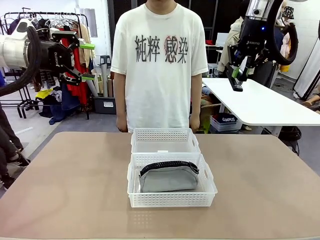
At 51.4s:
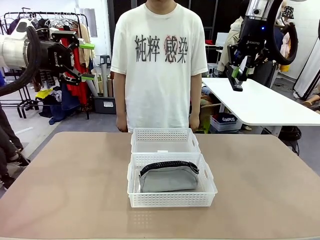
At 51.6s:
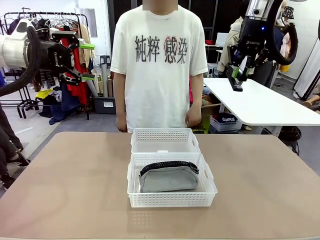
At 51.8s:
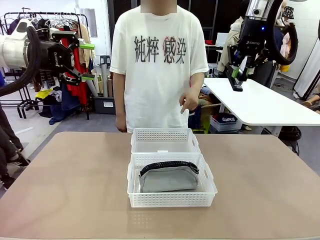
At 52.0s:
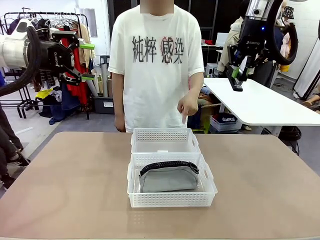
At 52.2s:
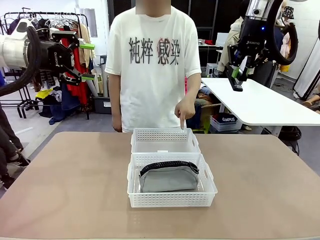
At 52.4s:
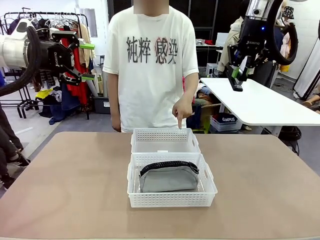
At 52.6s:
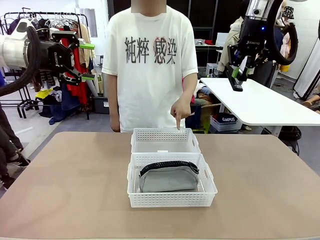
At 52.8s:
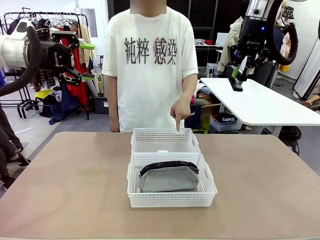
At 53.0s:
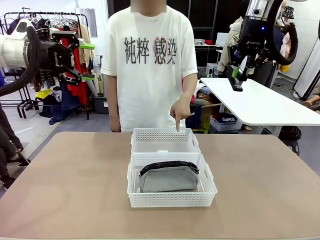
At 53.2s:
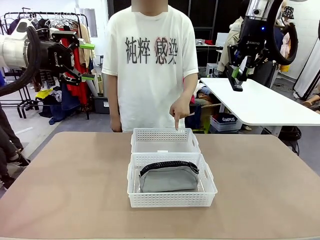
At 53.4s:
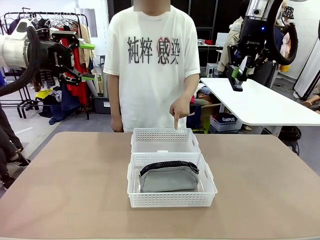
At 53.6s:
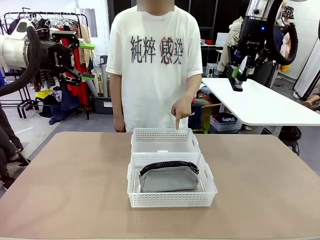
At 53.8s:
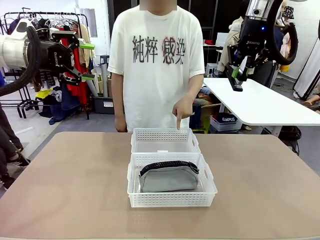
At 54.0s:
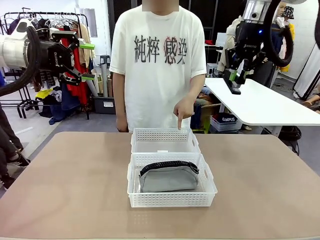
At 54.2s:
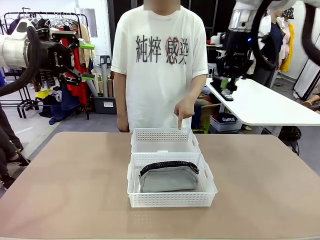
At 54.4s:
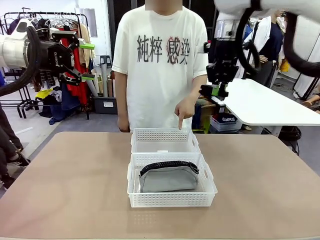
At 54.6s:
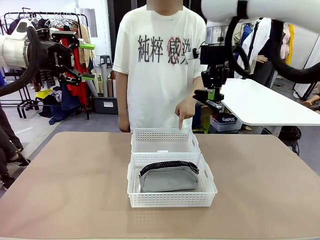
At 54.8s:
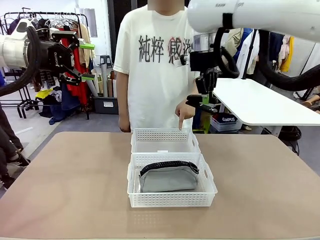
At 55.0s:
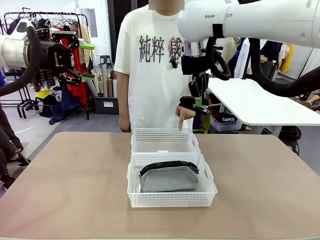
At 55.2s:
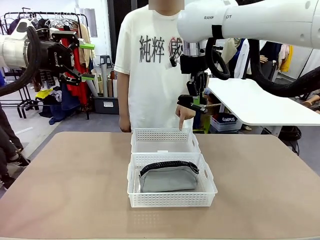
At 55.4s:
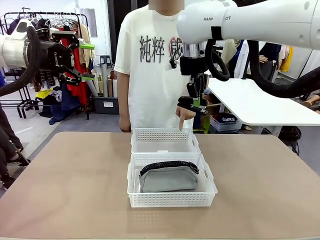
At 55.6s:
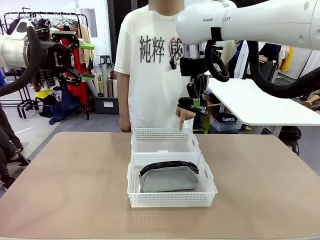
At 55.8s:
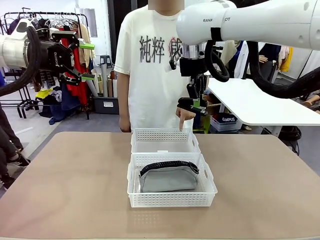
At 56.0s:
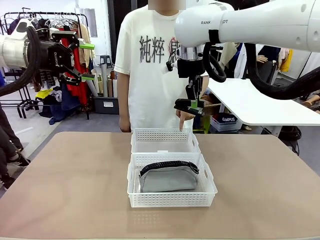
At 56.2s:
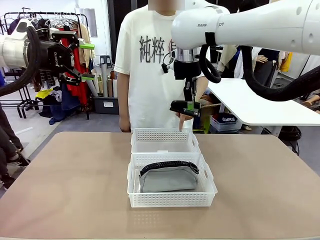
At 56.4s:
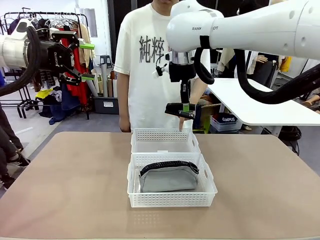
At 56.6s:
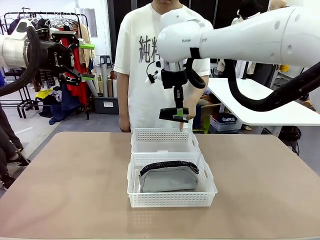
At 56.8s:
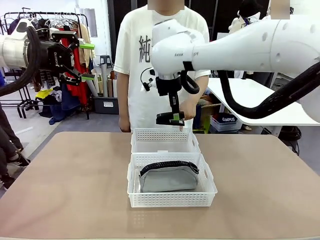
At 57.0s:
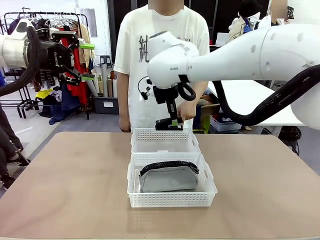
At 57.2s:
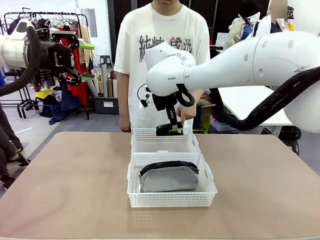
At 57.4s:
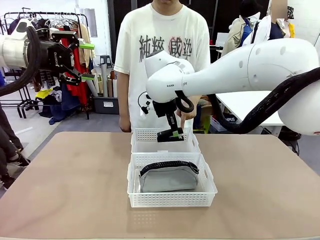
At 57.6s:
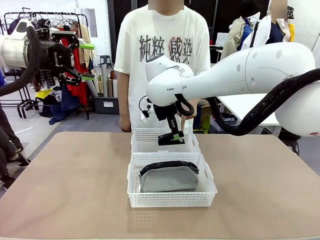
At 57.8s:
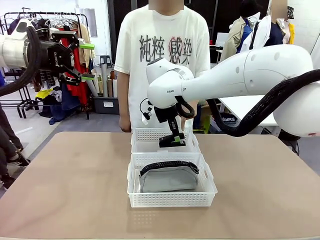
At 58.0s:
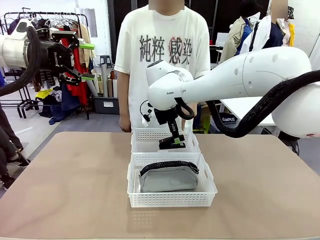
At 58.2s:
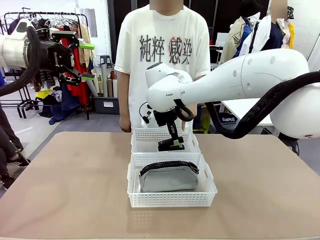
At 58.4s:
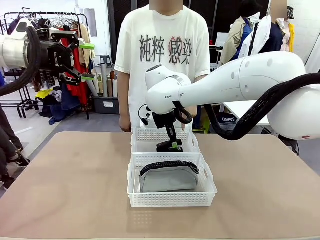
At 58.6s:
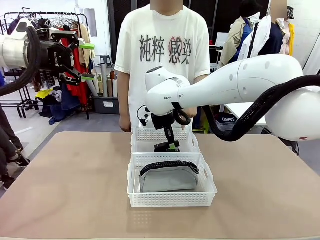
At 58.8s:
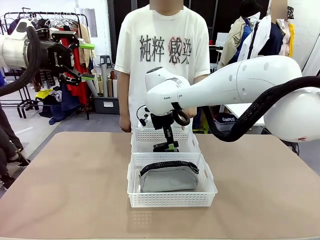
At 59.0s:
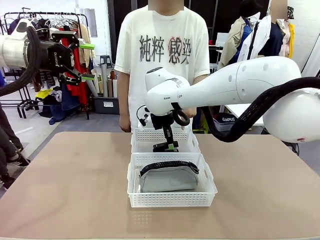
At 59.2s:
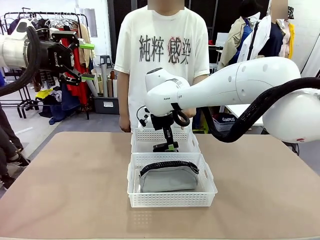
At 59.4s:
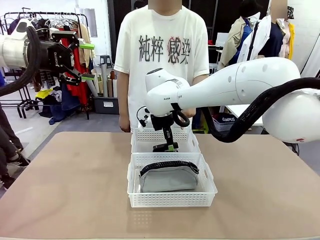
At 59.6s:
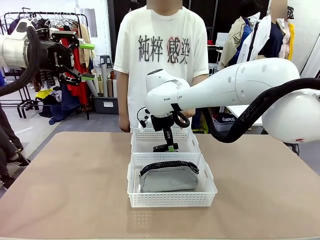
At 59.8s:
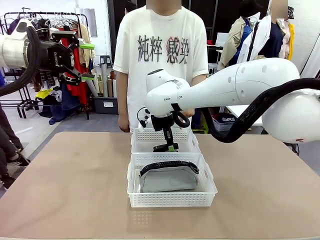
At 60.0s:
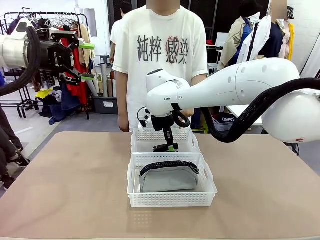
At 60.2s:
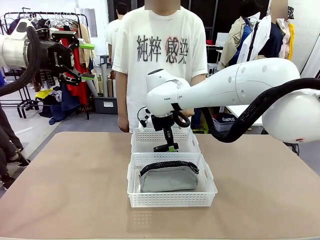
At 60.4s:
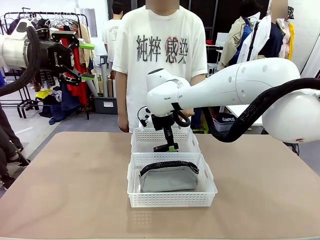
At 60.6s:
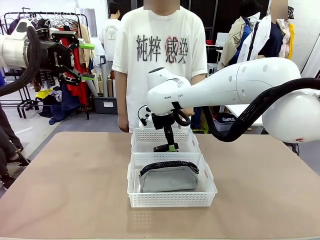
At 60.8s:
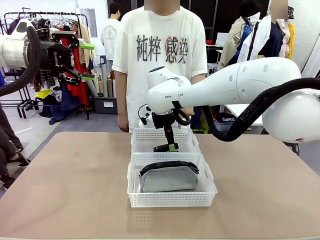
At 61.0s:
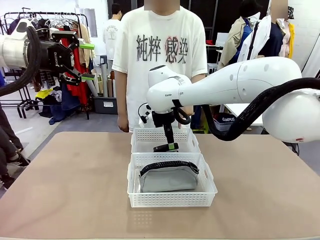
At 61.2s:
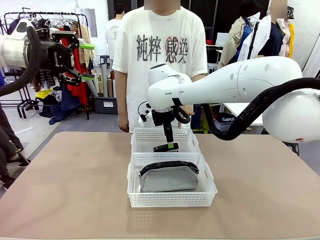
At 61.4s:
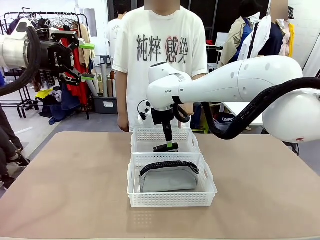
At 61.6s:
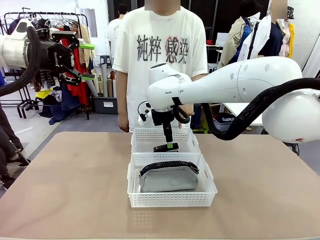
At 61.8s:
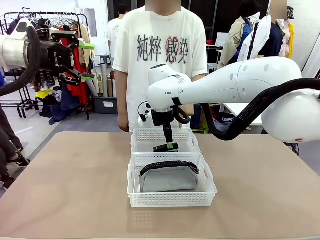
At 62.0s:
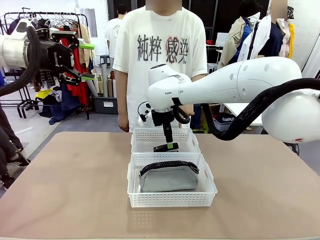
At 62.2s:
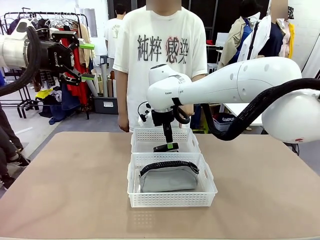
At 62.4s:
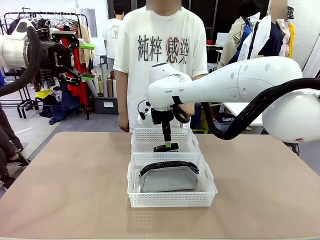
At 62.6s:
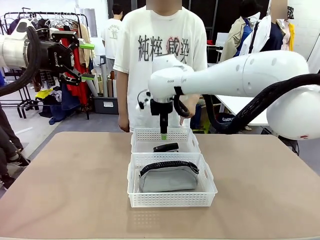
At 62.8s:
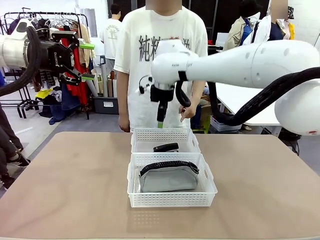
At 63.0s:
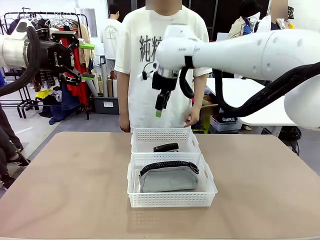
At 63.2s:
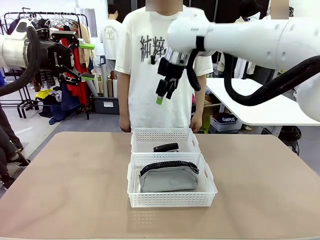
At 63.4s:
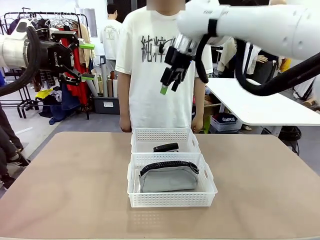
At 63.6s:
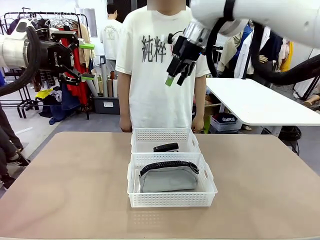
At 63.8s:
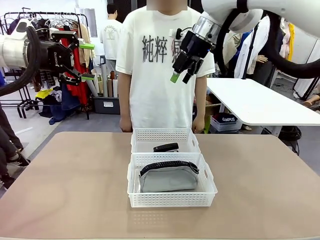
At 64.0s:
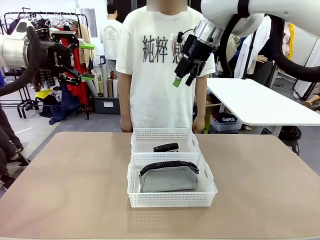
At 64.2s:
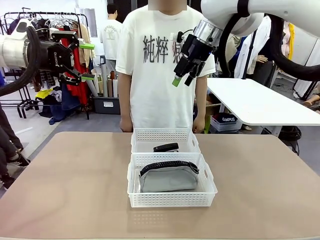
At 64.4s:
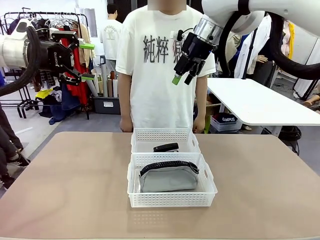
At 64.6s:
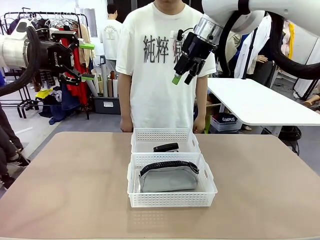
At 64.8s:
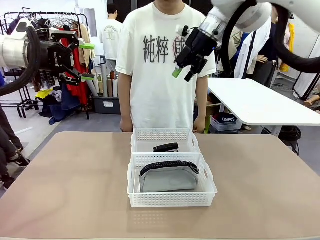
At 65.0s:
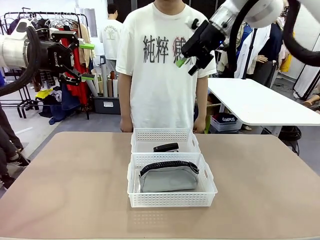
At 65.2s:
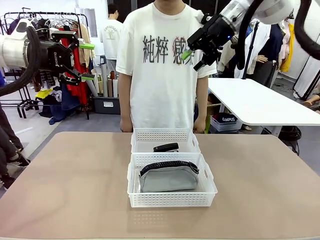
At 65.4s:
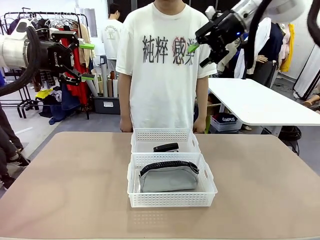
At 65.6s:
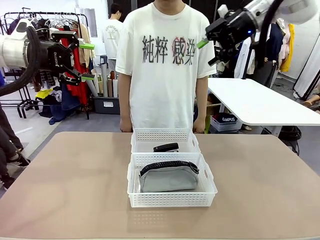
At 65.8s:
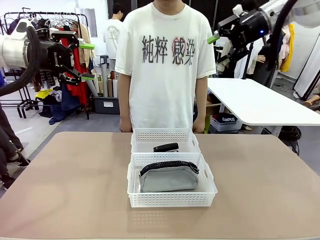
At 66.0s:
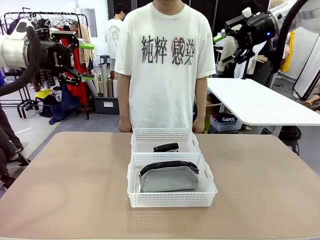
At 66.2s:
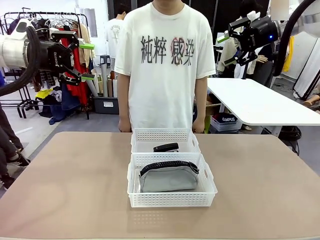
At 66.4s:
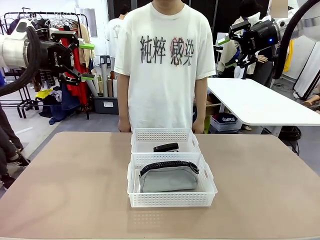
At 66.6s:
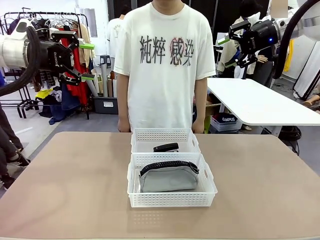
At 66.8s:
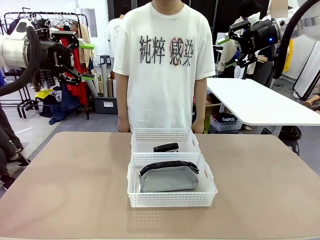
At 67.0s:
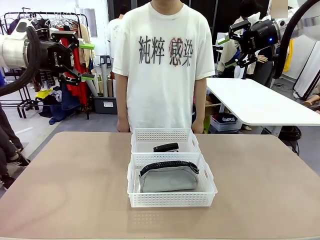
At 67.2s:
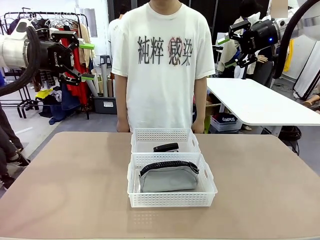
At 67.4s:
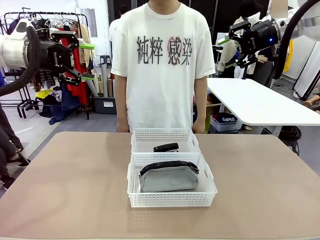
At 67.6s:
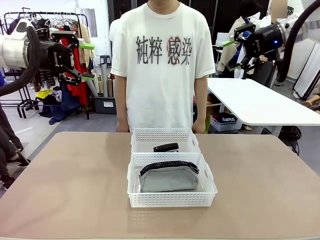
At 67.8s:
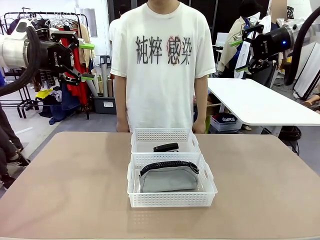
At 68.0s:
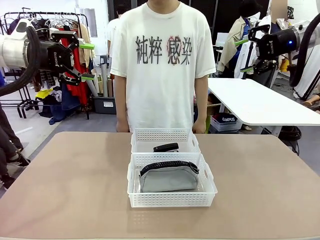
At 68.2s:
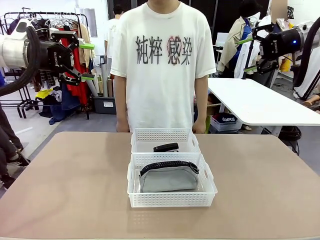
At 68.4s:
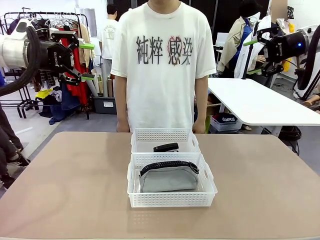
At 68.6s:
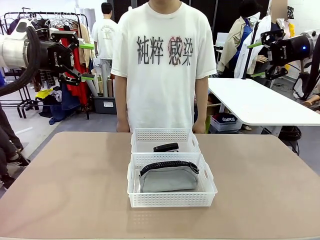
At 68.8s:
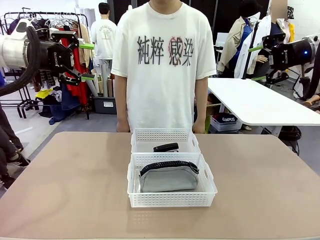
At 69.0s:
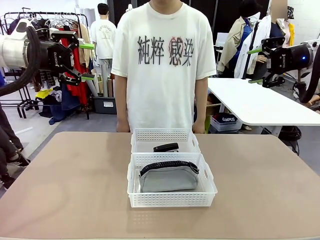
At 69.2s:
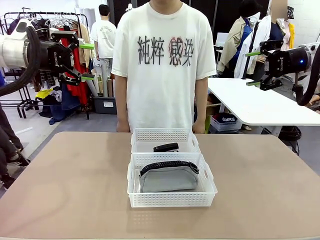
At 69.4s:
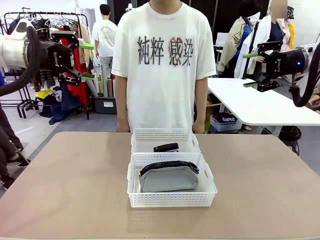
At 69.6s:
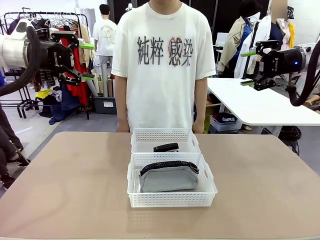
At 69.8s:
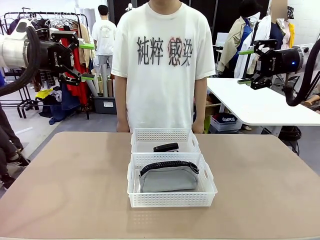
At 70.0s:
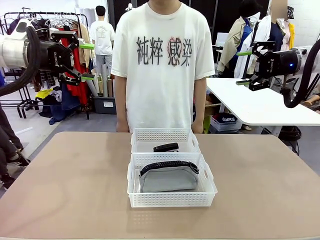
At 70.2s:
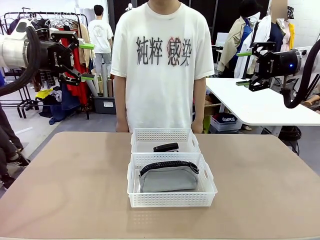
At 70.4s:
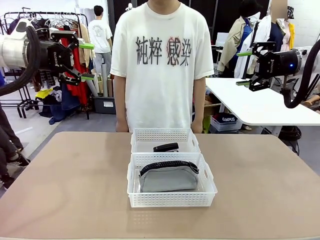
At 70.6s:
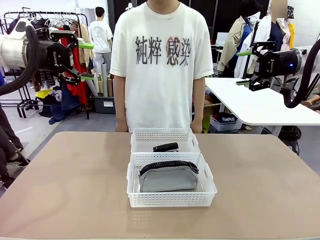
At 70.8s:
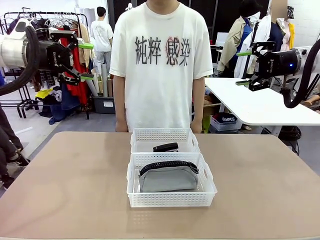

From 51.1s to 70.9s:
Task: Distribute items into two baskets.
Robot: Place the picked Stapler into the Organizing basket as instructed by the person.
Person: Points to the basket that does not contain the pencil case and instructs the robot to move the stapler there.
